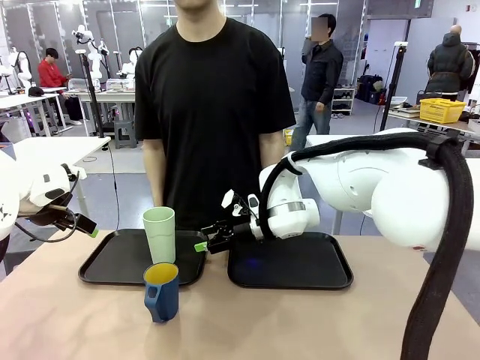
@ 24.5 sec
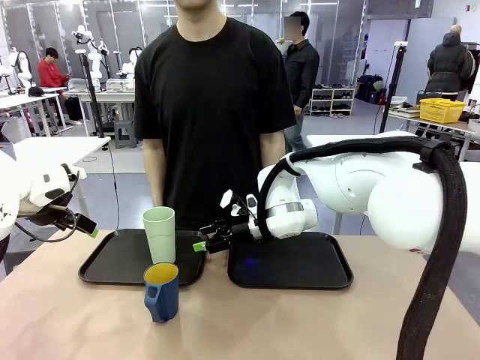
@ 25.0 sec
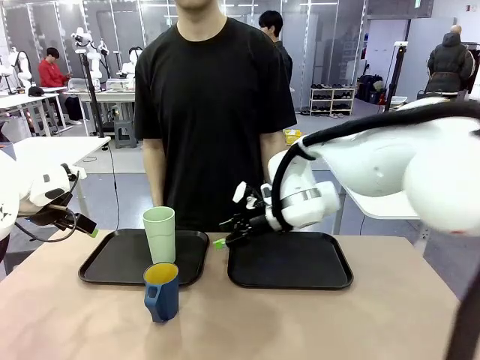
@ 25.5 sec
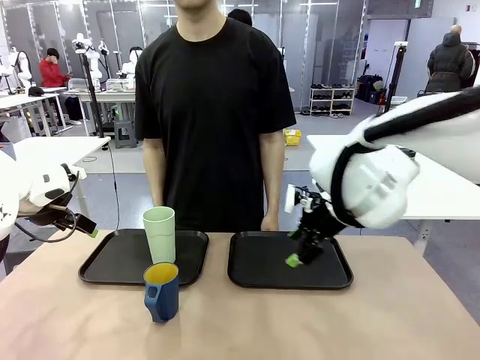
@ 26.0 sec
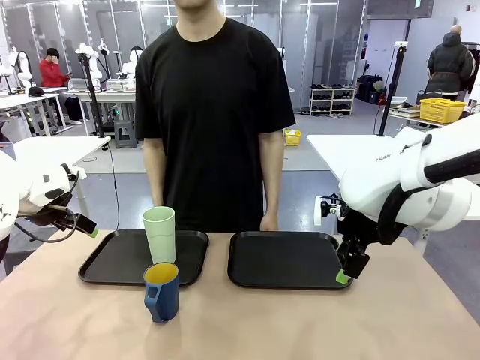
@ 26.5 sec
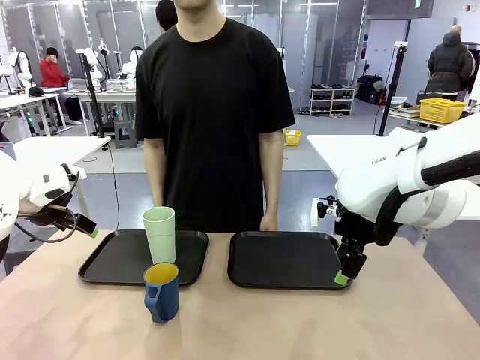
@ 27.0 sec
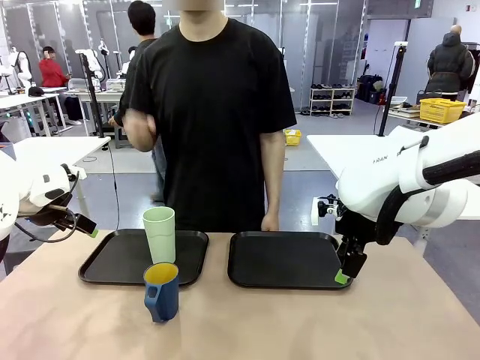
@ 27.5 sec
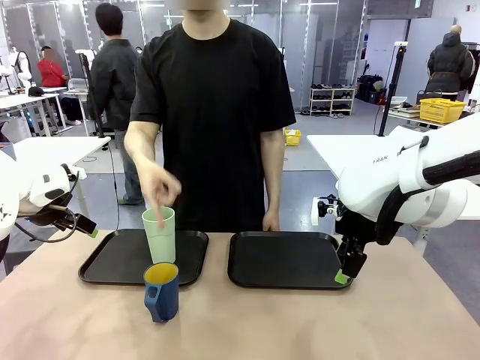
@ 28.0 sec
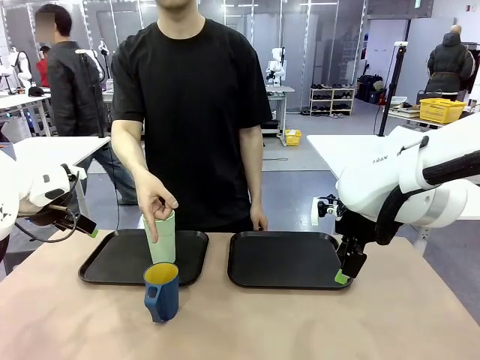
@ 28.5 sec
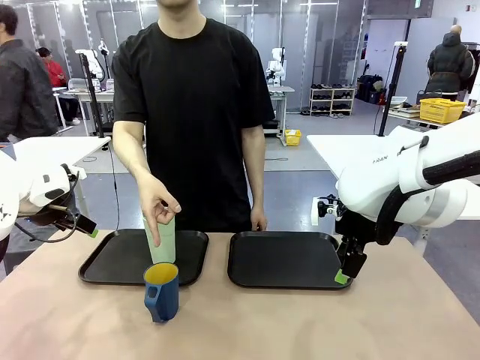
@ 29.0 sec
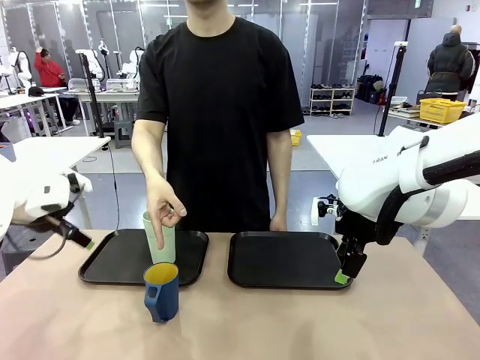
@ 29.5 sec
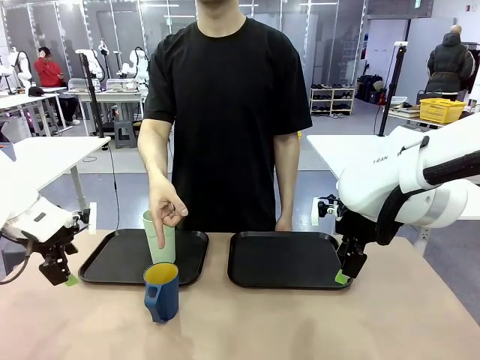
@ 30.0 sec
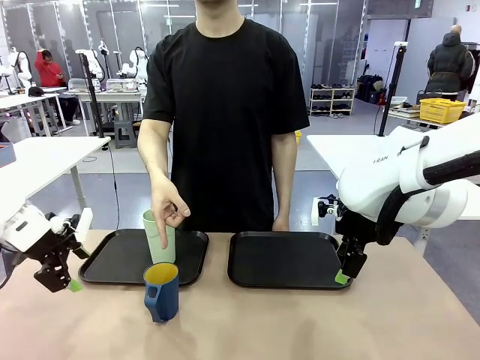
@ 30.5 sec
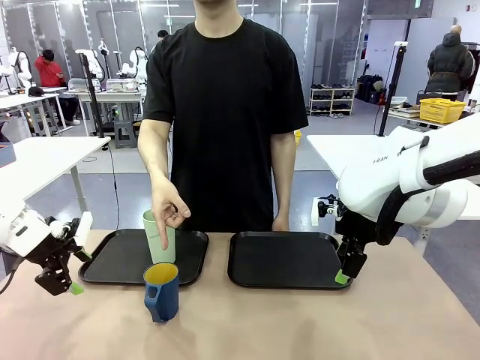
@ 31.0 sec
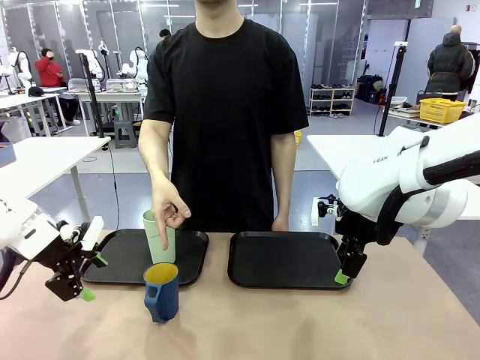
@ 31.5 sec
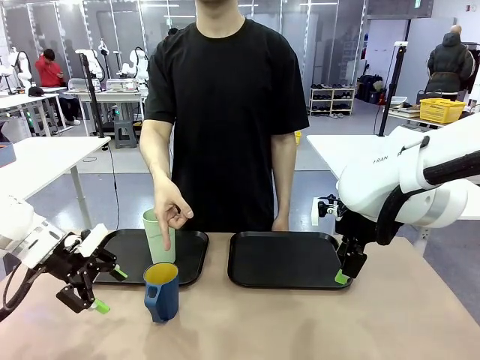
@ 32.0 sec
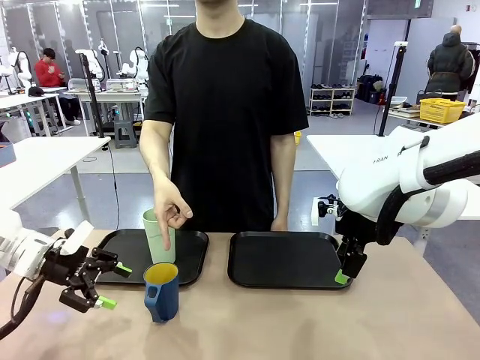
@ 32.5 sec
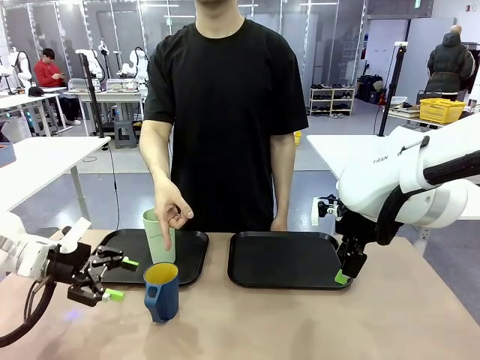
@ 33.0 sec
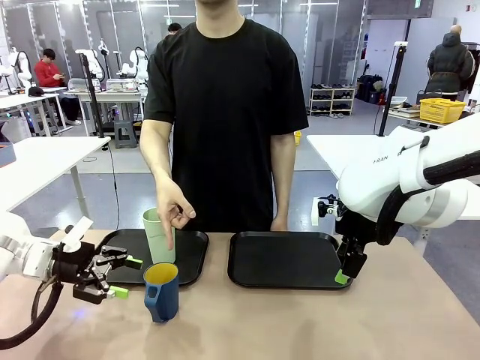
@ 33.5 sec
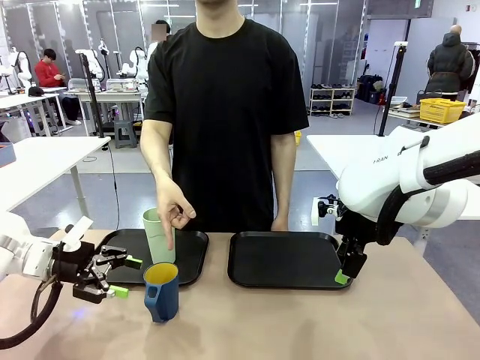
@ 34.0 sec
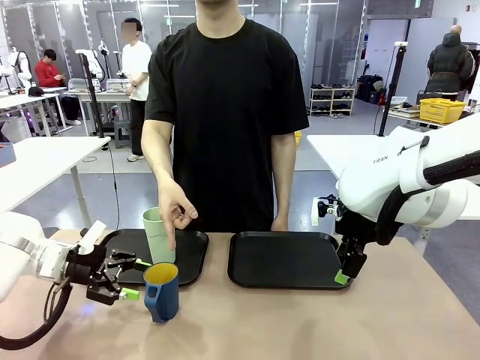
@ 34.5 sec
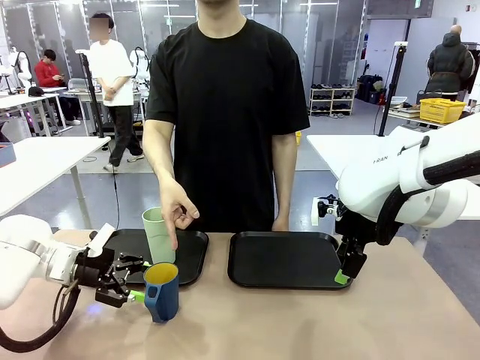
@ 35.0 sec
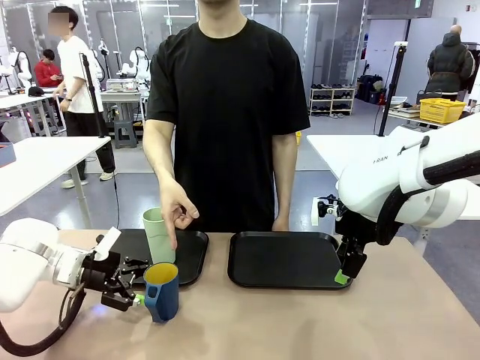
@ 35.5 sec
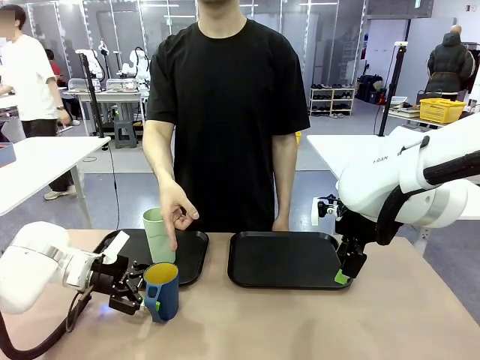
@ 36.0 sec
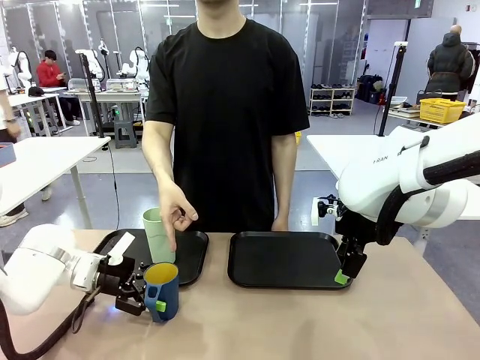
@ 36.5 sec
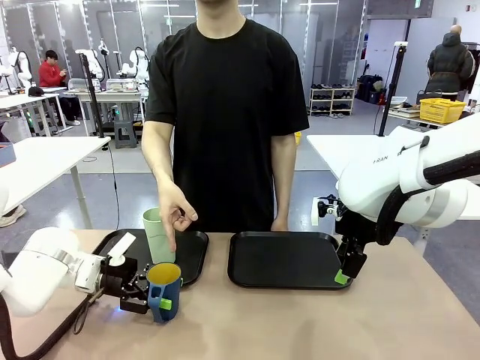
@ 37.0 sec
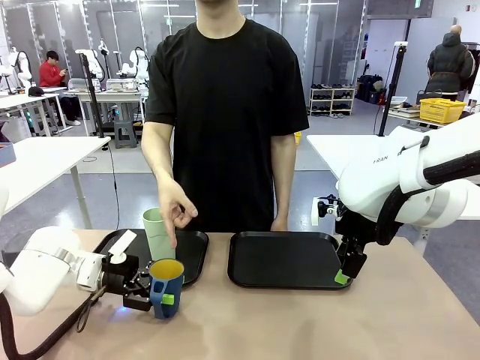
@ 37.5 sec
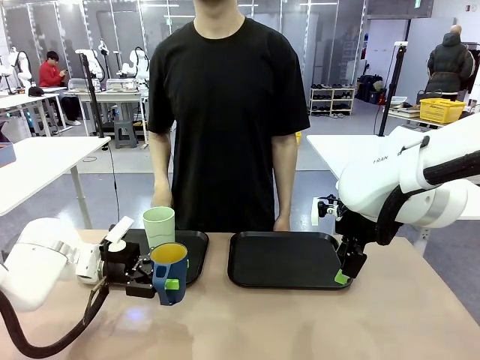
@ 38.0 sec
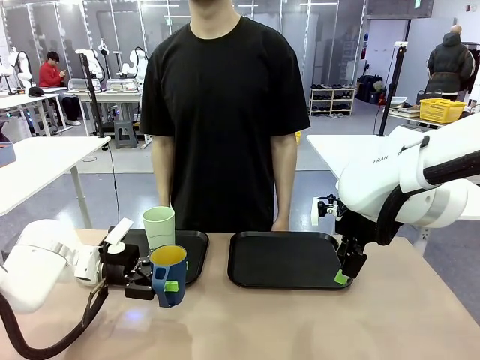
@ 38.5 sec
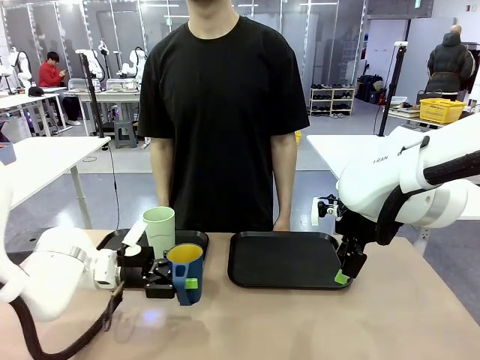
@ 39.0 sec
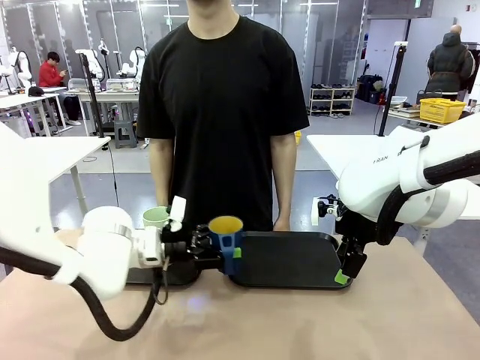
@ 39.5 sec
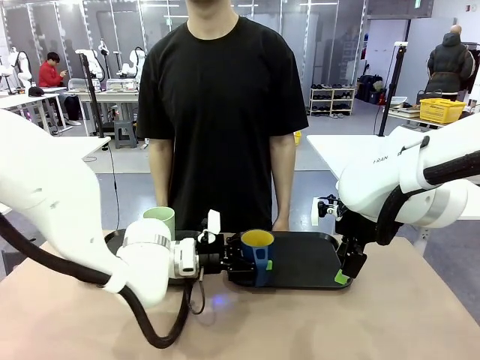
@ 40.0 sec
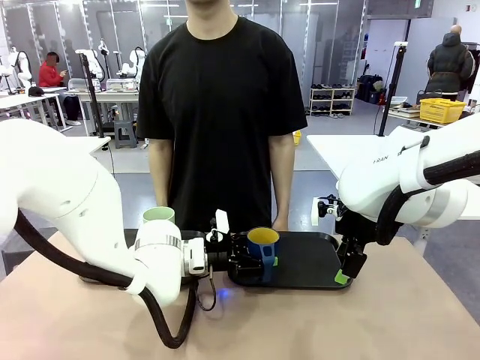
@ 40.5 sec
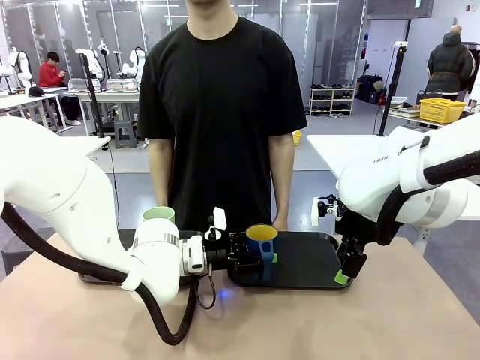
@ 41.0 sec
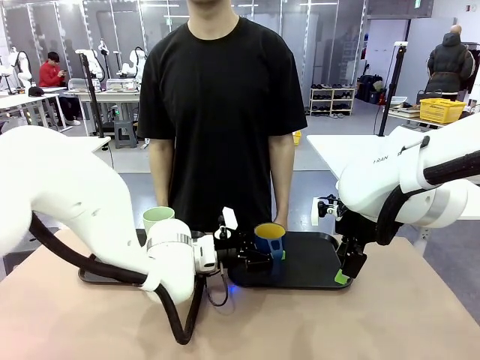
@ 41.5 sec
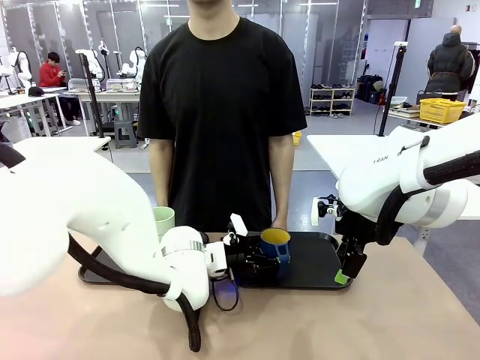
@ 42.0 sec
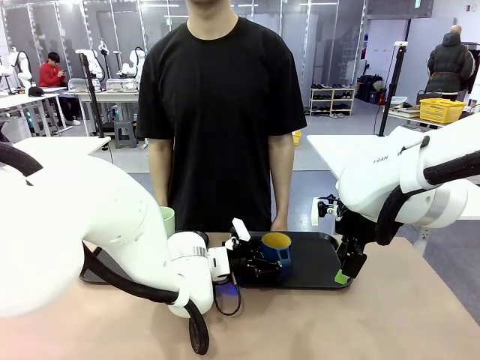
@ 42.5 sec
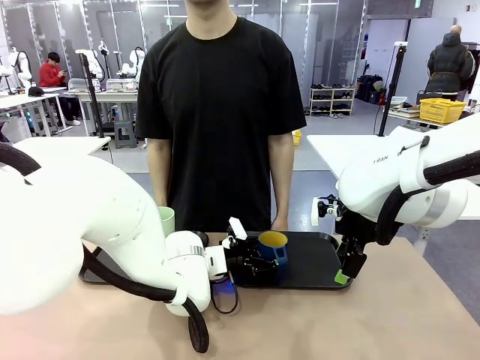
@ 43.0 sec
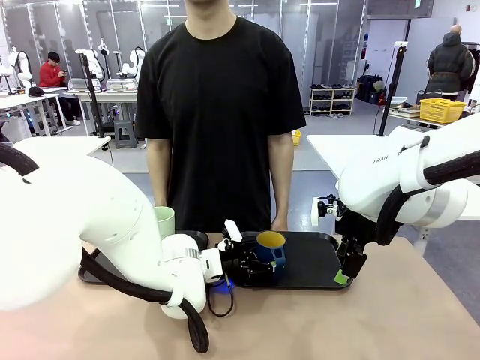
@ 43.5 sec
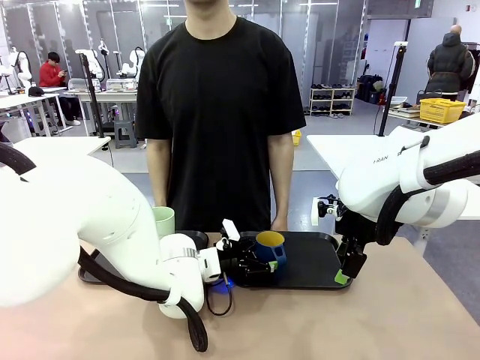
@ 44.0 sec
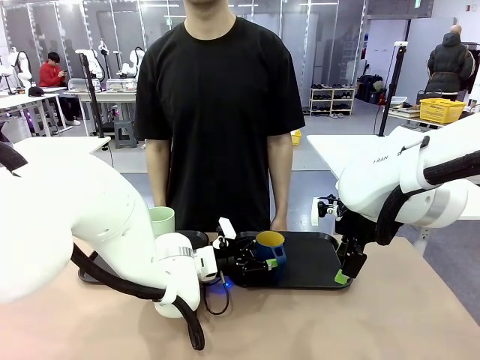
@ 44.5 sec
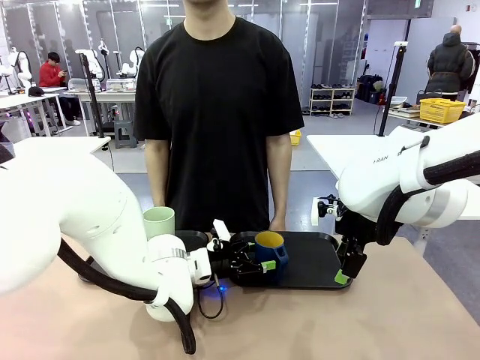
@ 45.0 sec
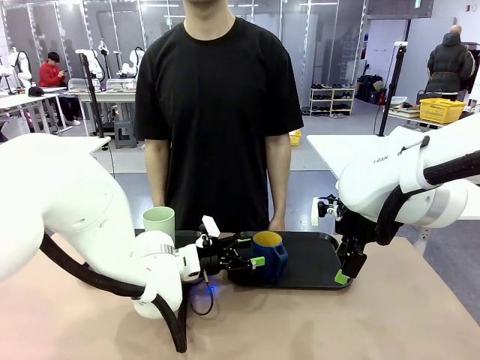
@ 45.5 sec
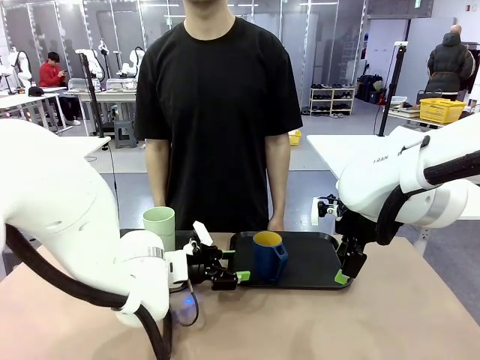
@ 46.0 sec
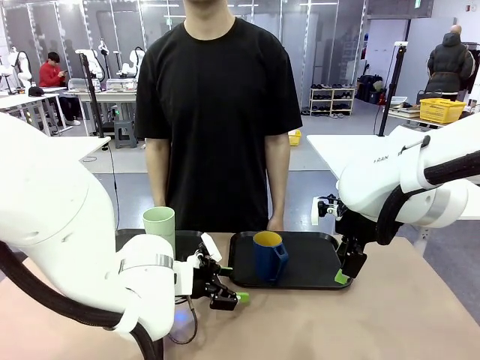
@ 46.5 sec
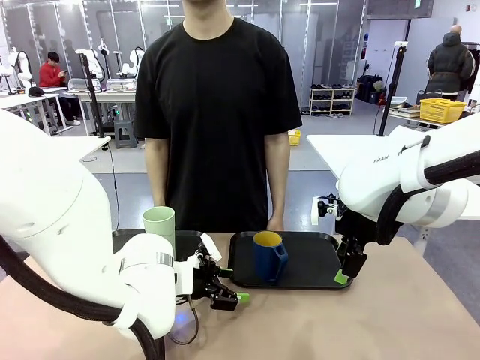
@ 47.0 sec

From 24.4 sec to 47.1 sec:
Task: Sort and store the cups by type.
Robot: Pick up the Handle plastic cup and place it into the empty Flat Tray.
Person: Points to the cup with a handle.
